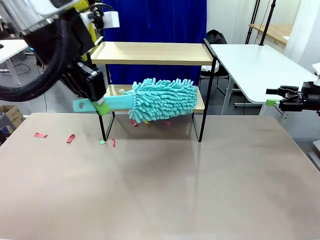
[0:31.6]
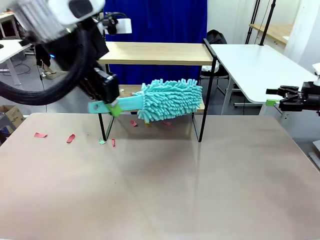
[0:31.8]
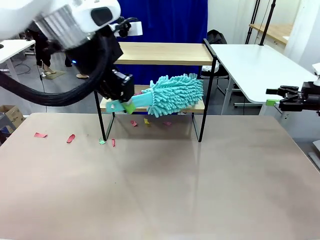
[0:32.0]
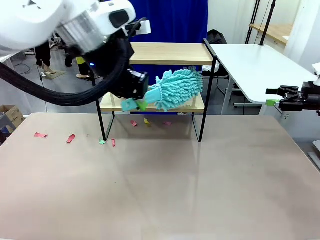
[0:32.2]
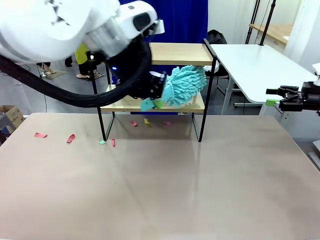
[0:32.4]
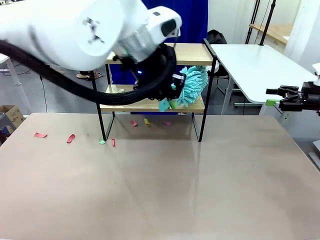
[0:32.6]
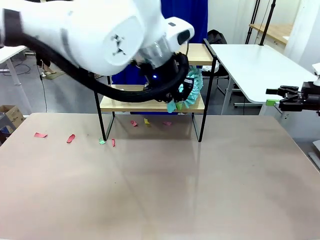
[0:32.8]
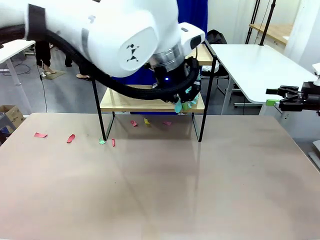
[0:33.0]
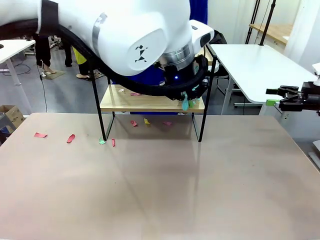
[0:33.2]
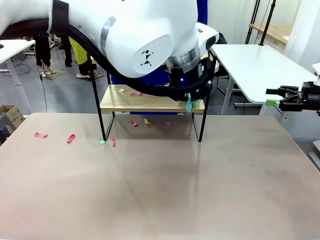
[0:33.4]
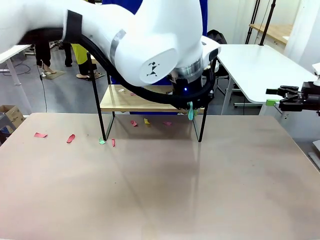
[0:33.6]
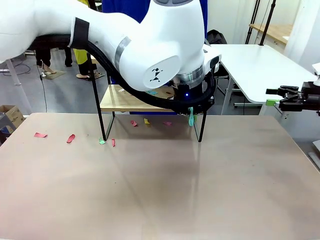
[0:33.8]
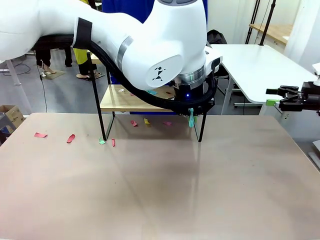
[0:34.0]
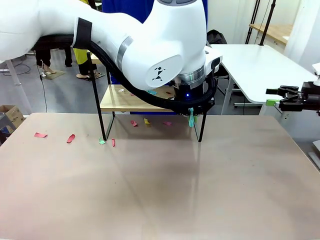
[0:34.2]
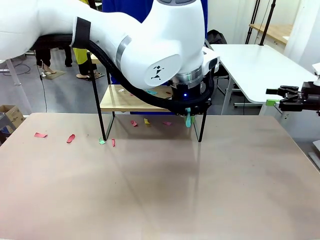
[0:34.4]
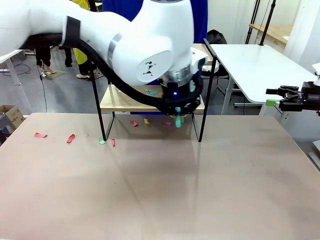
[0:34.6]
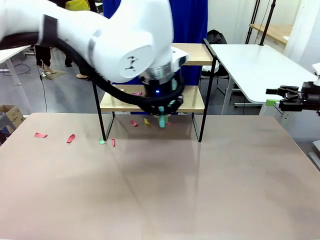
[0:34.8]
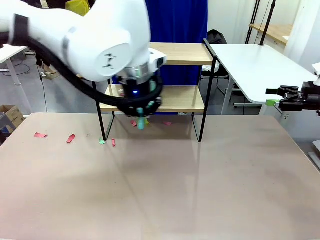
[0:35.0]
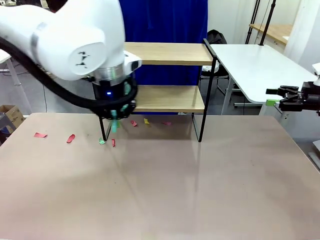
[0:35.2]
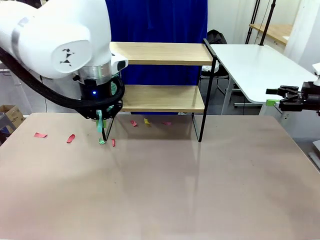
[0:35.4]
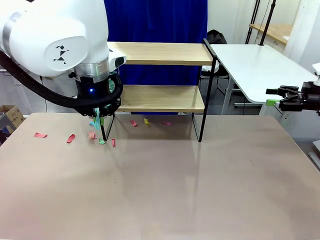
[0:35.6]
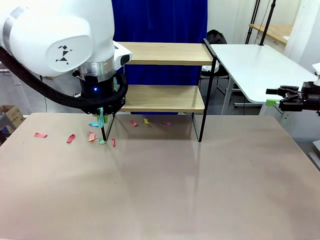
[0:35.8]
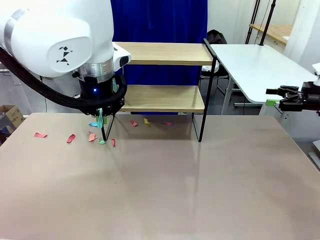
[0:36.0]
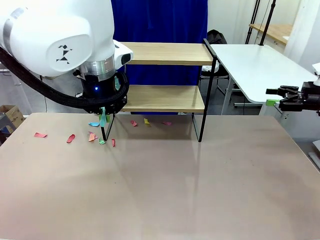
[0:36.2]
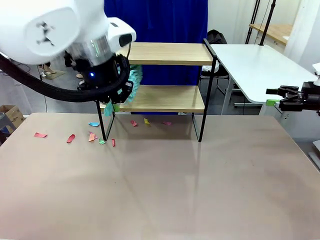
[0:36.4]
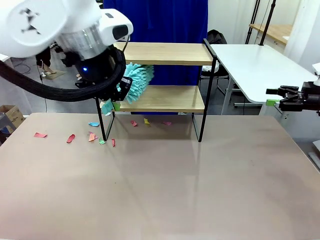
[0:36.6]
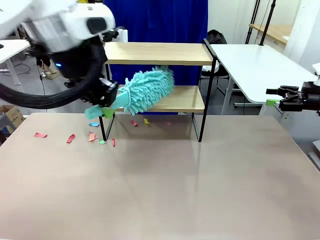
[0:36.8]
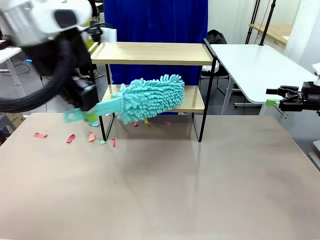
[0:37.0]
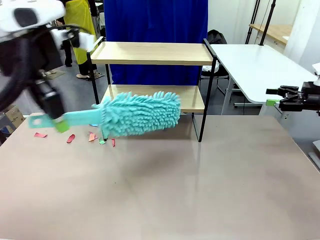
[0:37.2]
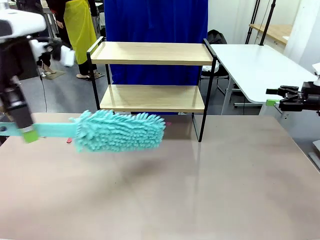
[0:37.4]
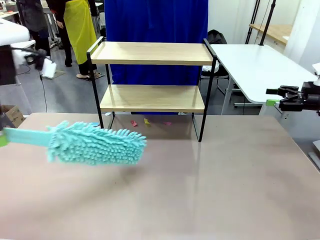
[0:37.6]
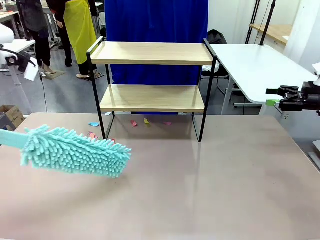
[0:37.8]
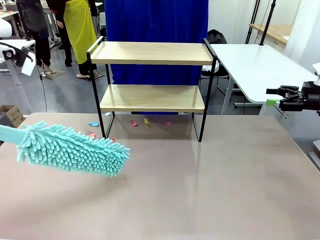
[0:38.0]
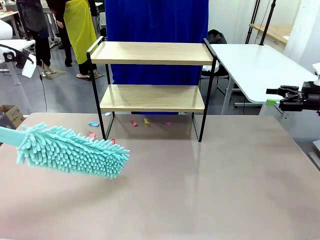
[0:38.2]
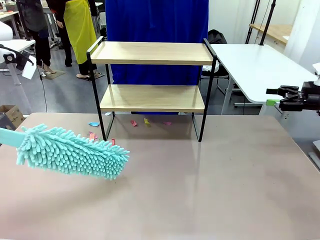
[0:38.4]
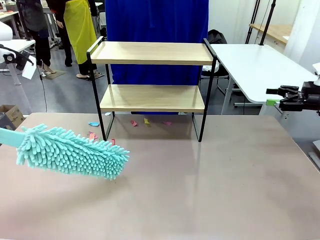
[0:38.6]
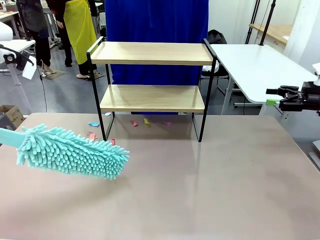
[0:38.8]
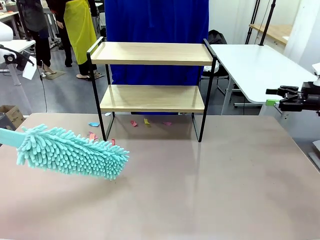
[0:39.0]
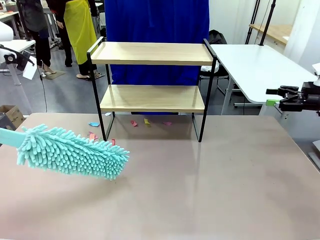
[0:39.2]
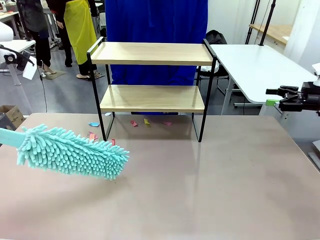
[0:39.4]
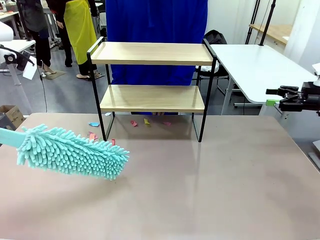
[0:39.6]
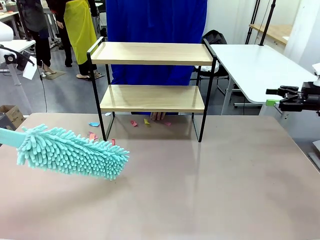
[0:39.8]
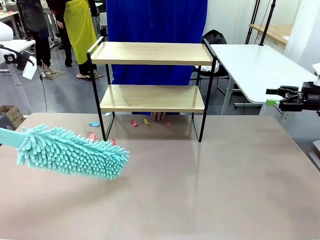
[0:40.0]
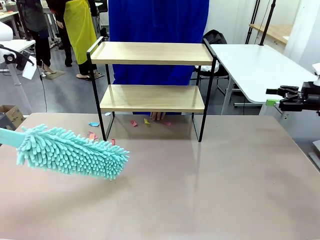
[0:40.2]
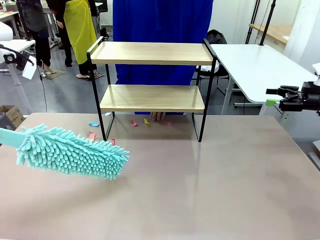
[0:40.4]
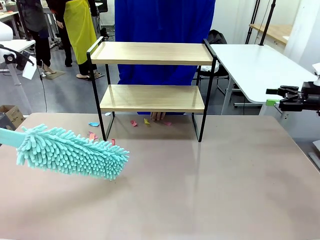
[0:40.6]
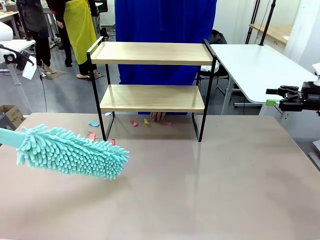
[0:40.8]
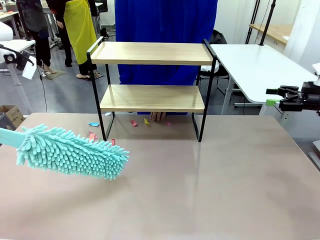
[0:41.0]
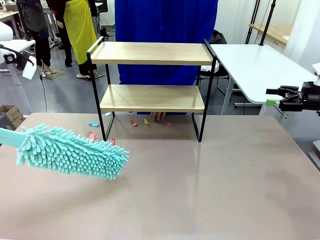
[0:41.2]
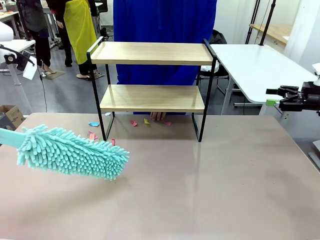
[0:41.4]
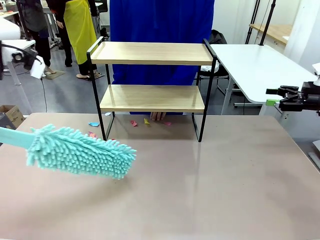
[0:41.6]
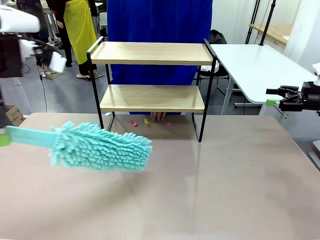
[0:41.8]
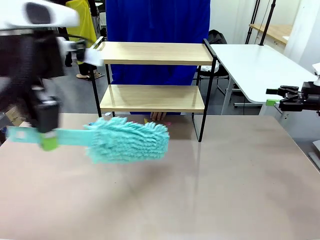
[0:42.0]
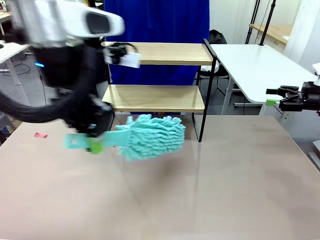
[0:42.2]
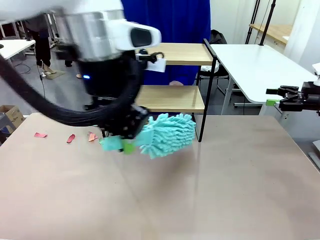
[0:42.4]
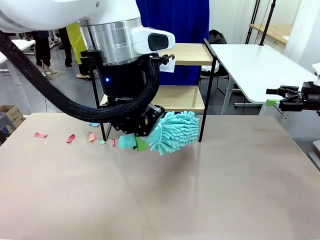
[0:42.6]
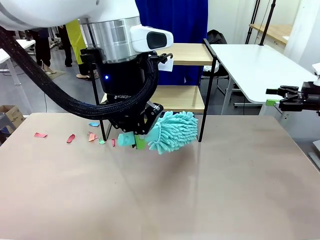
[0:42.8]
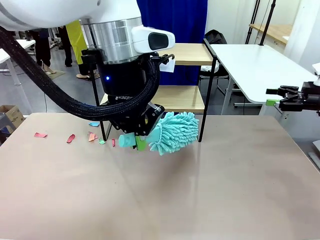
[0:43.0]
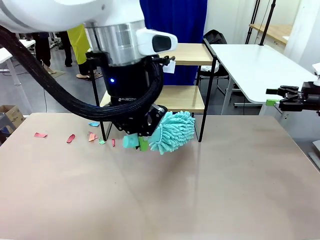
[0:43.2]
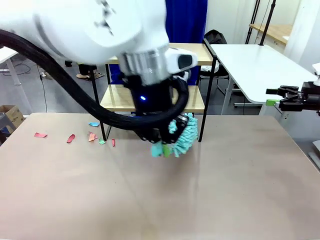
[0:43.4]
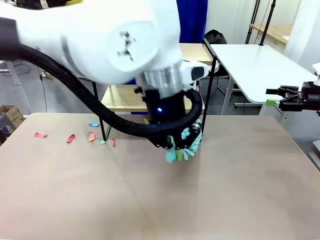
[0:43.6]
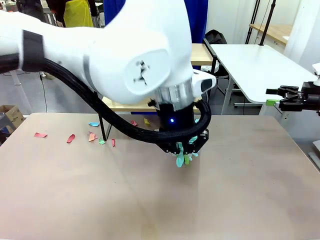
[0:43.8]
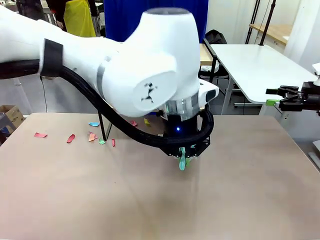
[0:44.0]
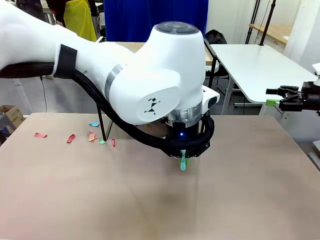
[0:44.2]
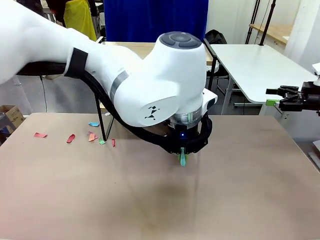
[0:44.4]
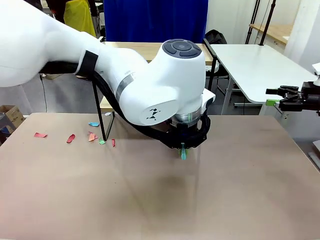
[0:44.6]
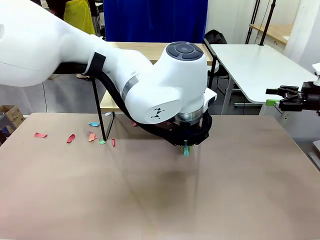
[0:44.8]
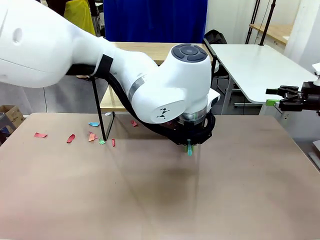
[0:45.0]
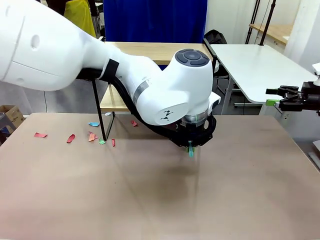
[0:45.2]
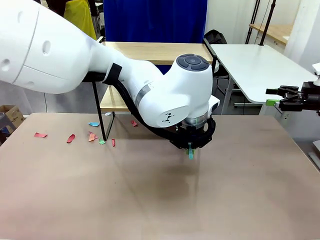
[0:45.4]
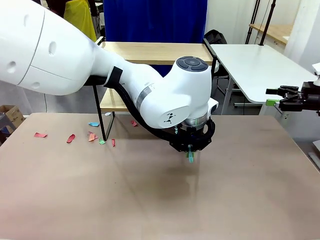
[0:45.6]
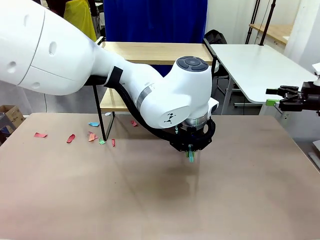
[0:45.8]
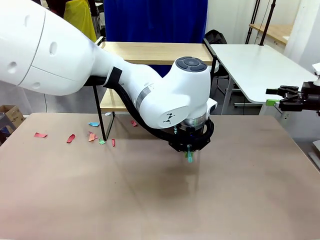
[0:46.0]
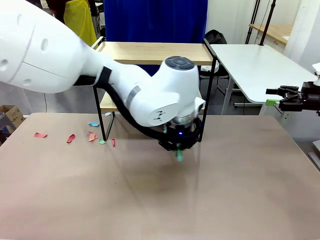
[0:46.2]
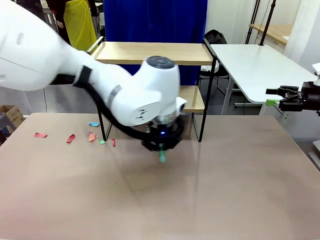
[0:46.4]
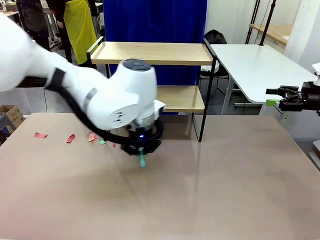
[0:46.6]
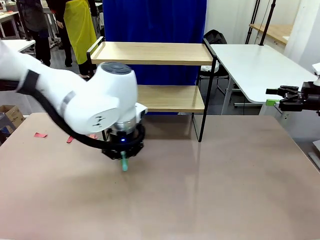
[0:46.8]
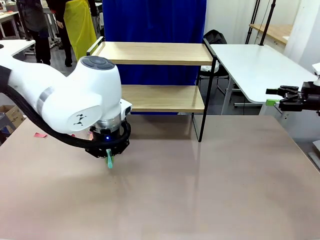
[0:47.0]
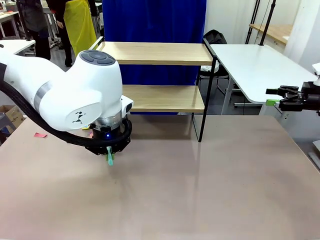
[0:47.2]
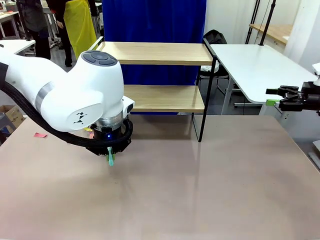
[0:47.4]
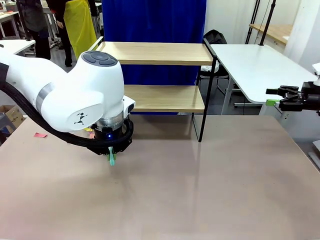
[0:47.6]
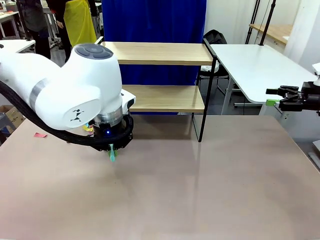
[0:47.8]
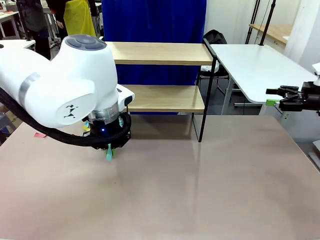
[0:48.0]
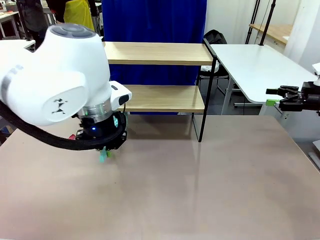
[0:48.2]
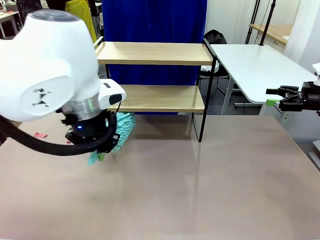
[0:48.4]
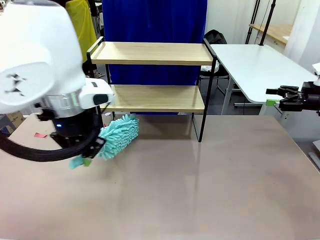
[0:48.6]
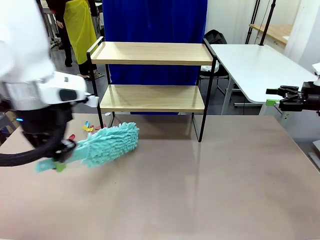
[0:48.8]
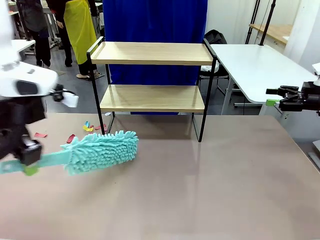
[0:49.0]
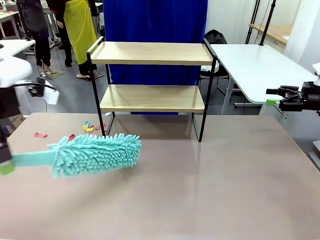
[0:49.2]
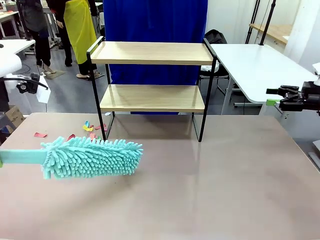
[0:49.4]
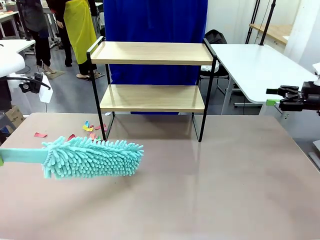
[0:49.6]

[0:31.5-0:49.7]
Task: Clean the shelf.
Robot: Clean the specific section of the Shelf indicated by the human with the Duster.
Person: Point a remaining section of the Shelf.
